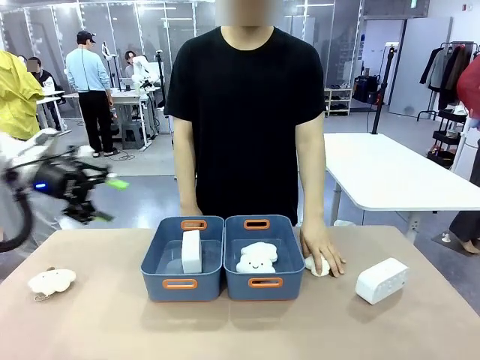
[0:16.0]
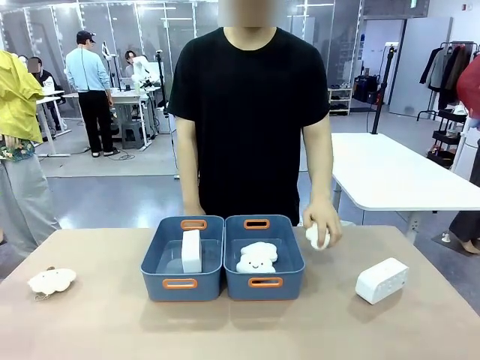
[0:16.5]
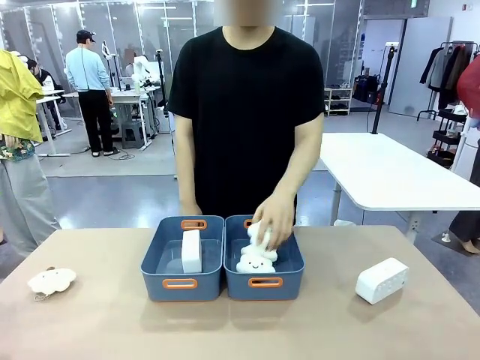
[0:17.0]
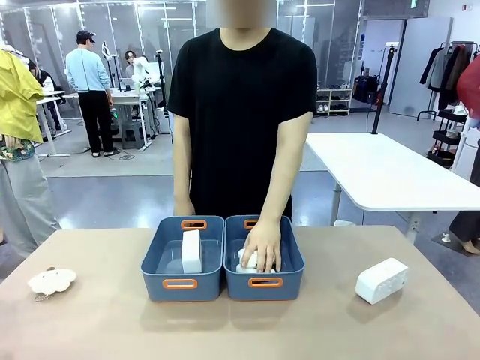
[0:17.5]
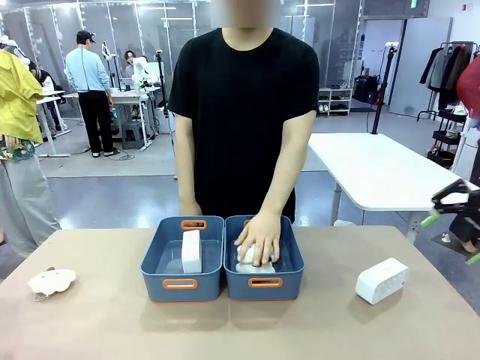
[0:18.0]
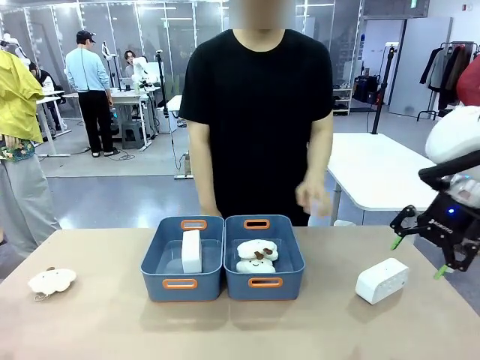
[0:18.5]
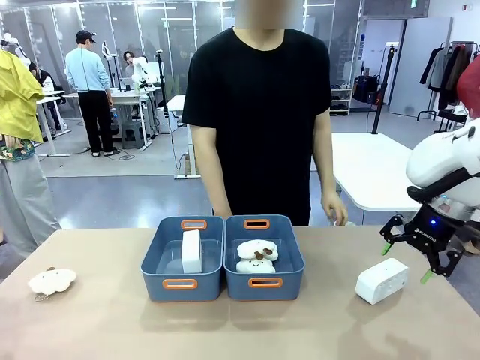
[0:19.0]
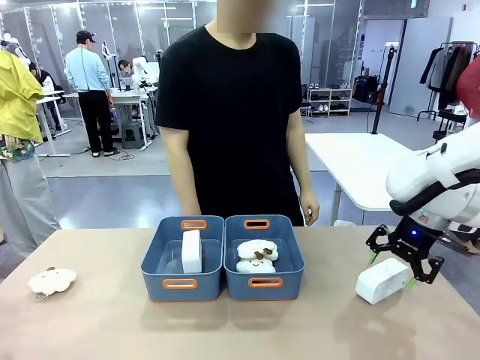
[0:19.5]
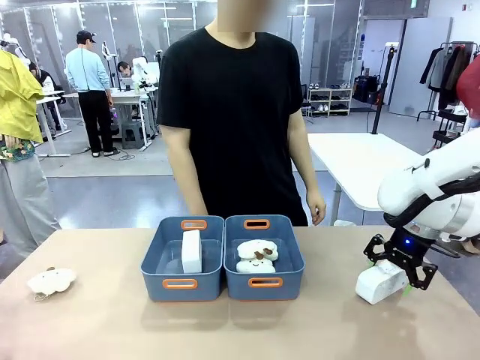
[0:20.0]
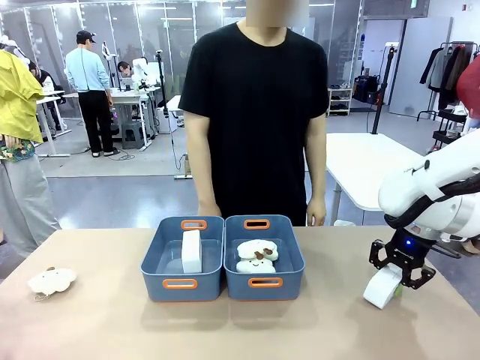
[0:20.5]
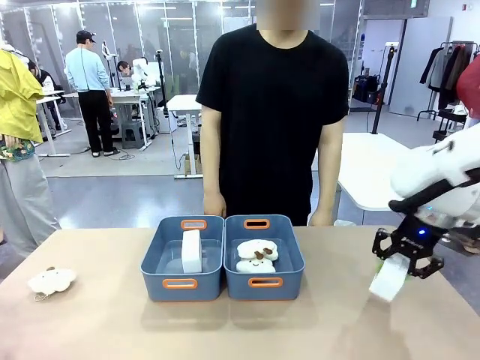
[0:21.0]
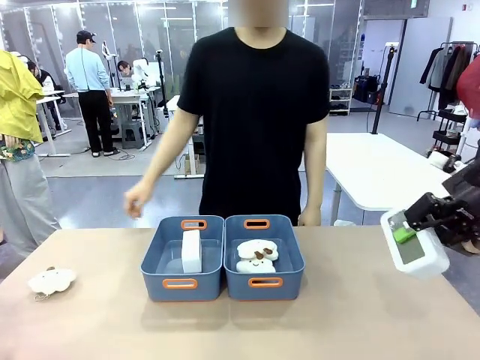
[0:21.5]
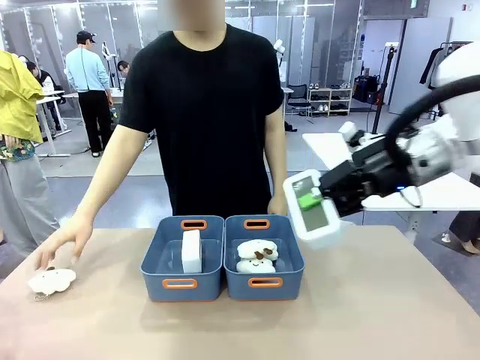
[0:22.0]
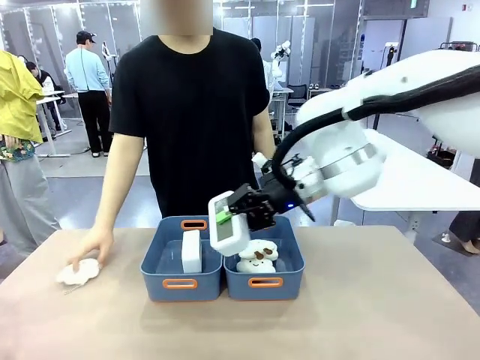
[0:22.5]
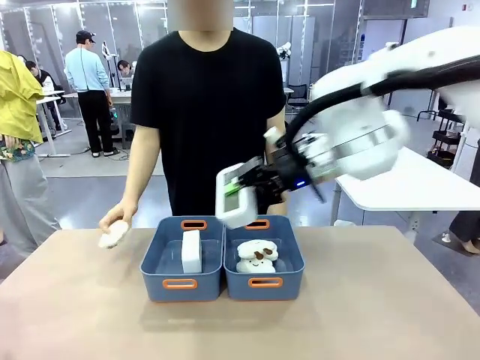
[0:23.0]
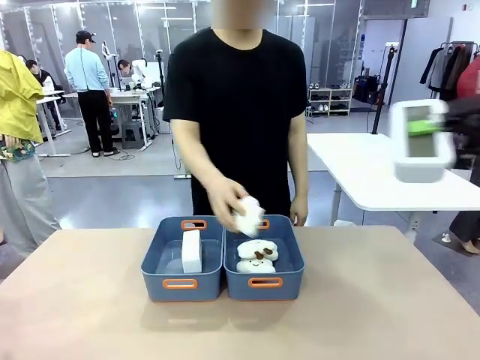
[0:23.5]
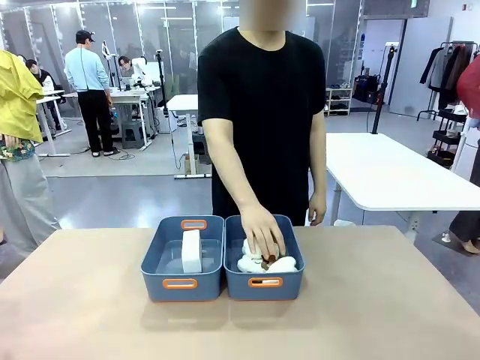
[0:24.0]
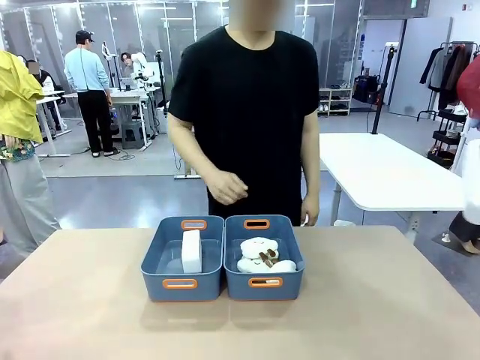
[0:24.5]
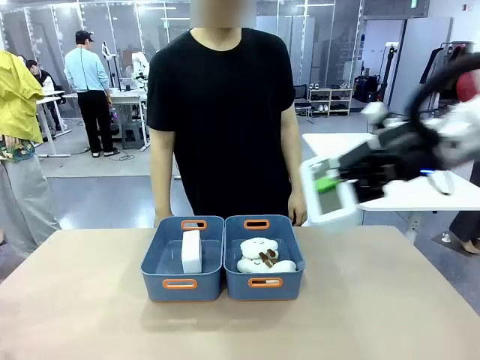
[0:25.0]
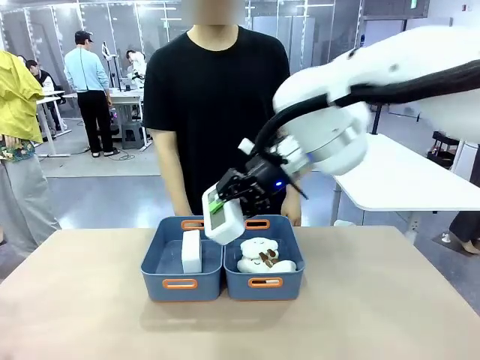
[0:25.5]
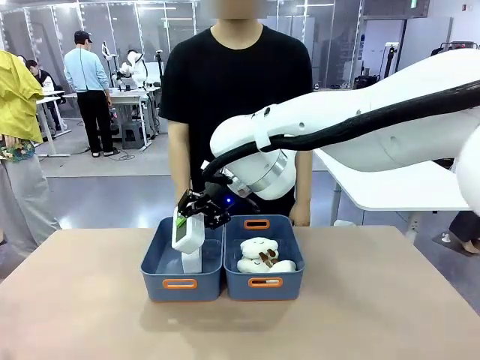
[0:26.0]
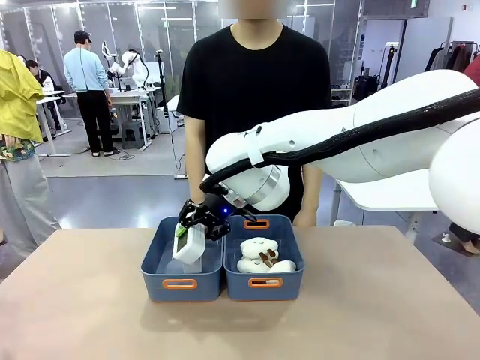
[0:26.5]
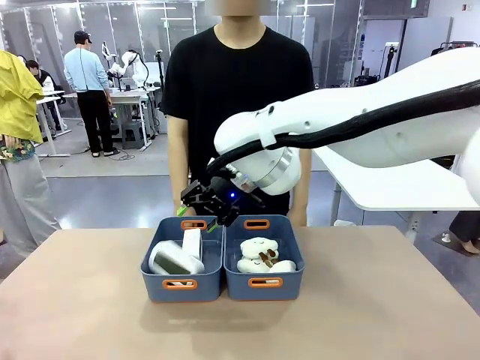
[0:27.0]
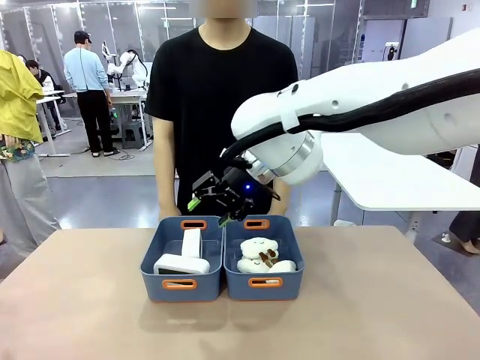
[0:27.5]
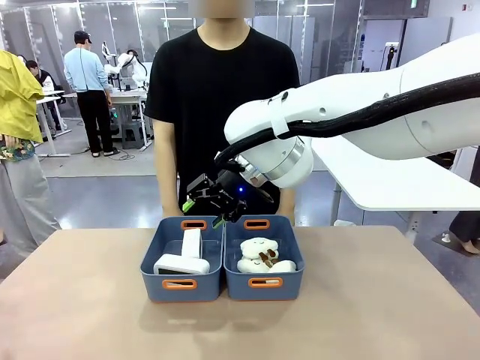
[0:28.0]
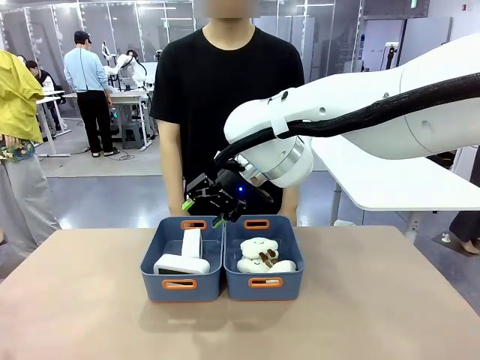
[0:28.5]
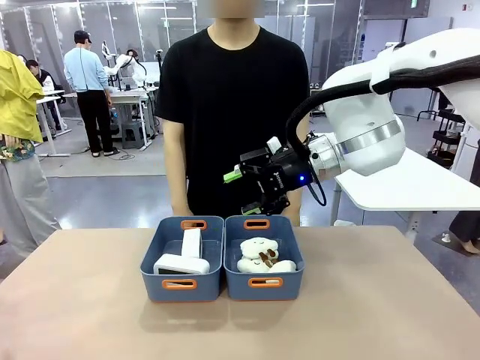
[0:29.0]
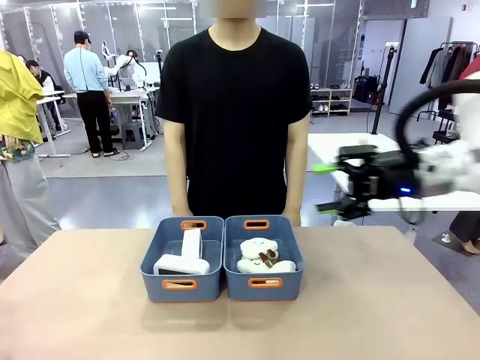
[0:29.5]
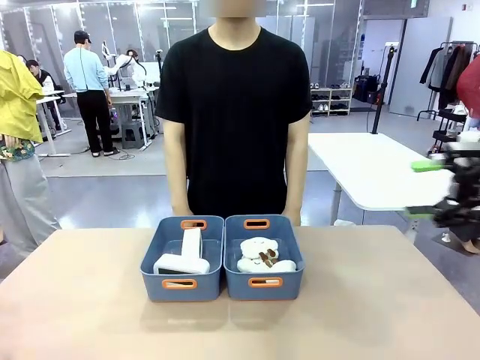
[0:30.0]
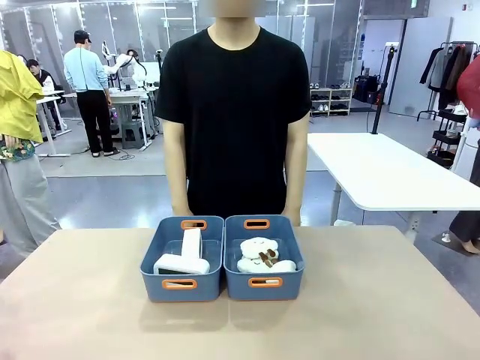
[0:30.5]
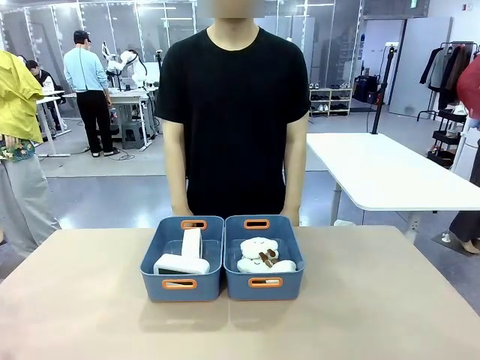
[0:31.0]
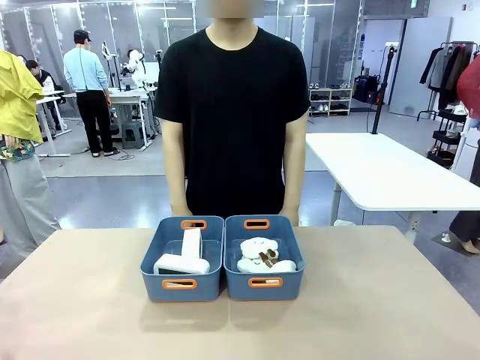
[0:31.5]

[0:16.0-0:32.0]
Task: Sort the digital clocks into the basket.
Robot: Pick up the Digital clock from the table and place it into the empty Plastic storage basket.
Person: Pick up a plush toy from the table and place it in the plastic storage basket containing the plush toy.

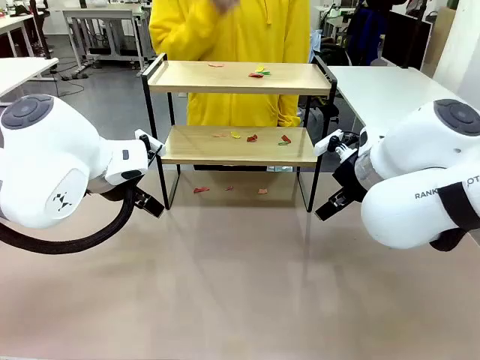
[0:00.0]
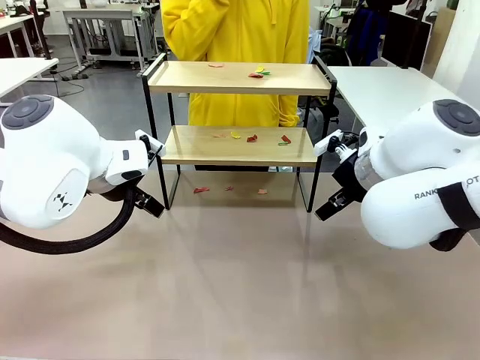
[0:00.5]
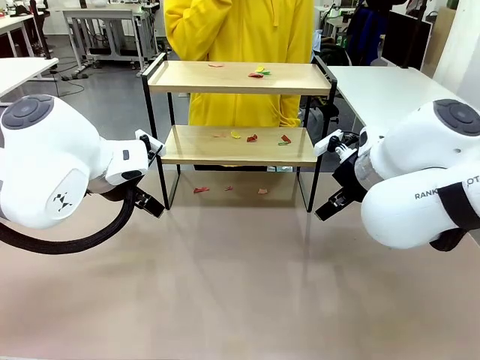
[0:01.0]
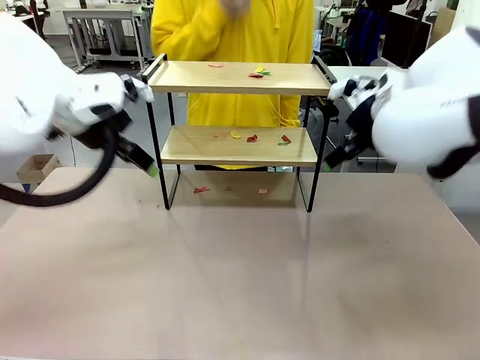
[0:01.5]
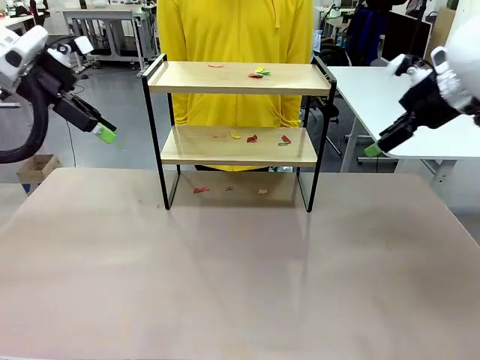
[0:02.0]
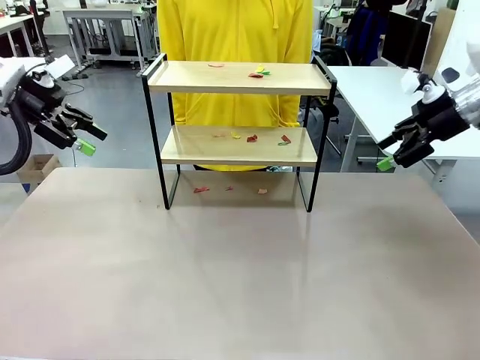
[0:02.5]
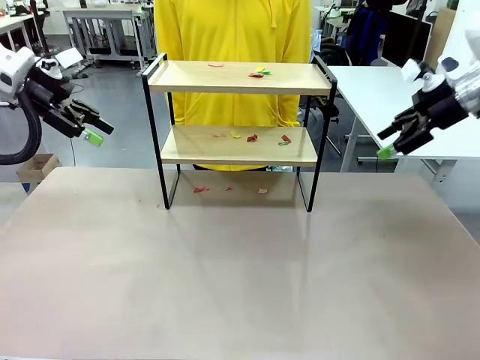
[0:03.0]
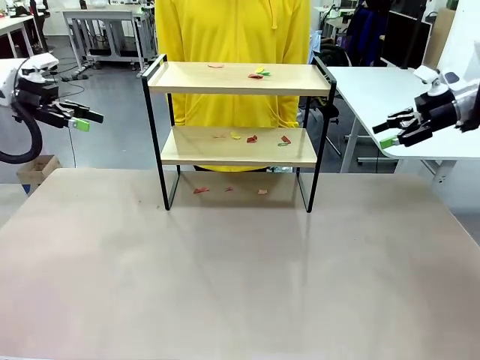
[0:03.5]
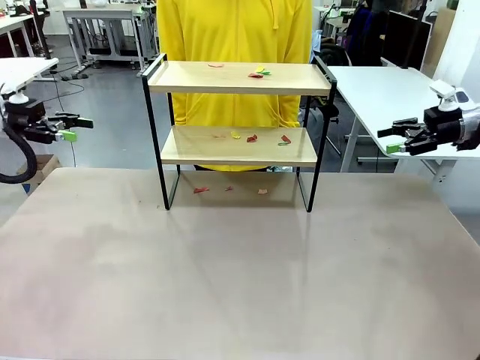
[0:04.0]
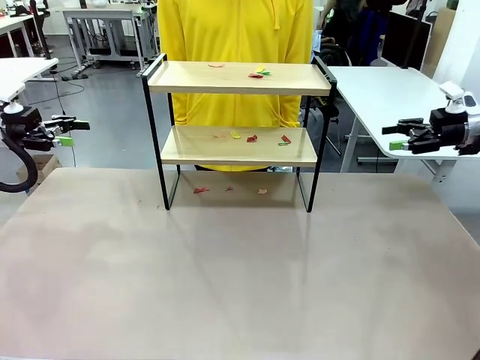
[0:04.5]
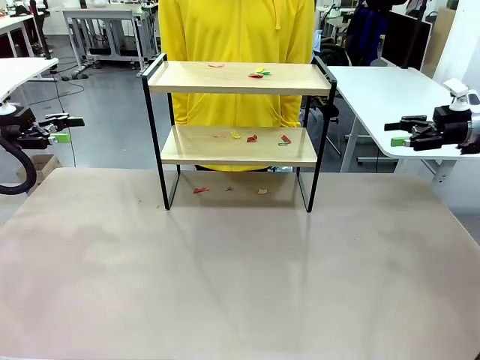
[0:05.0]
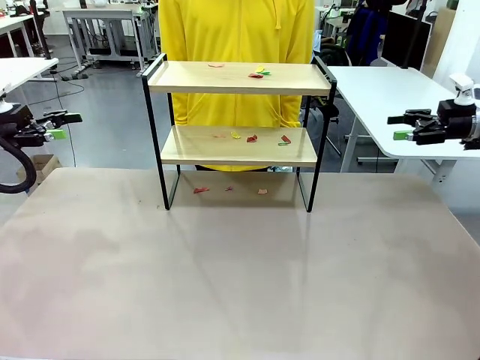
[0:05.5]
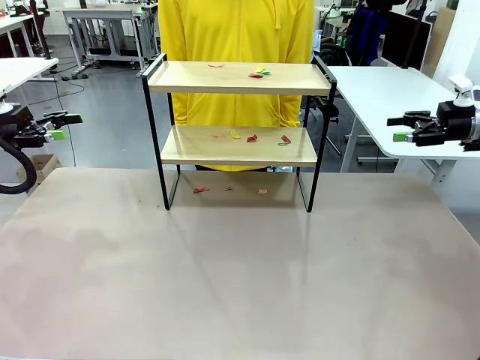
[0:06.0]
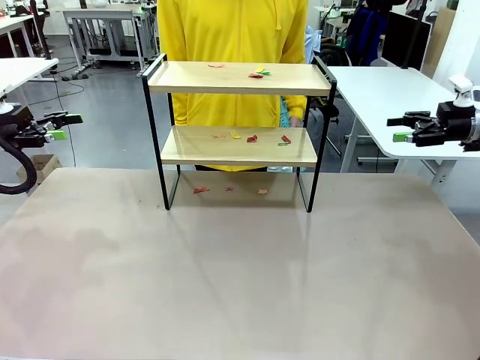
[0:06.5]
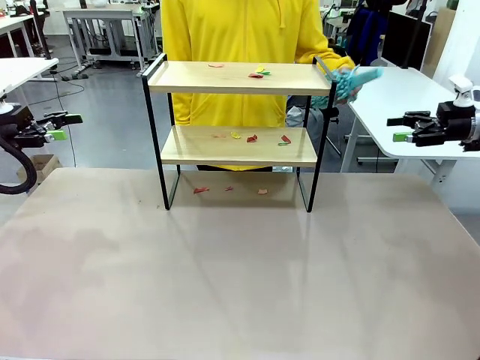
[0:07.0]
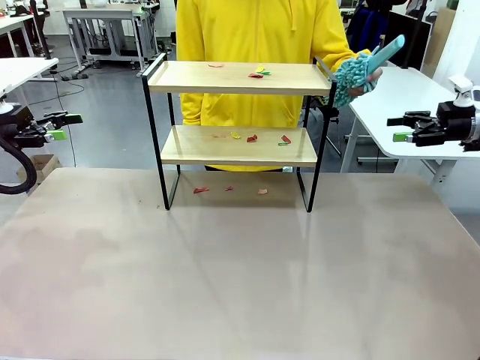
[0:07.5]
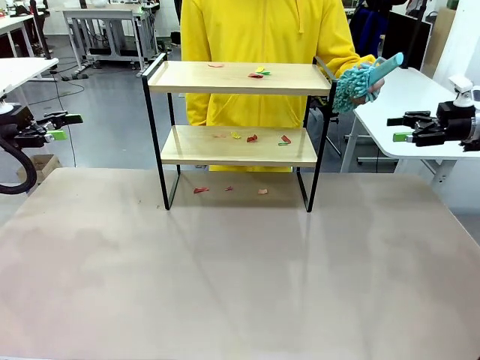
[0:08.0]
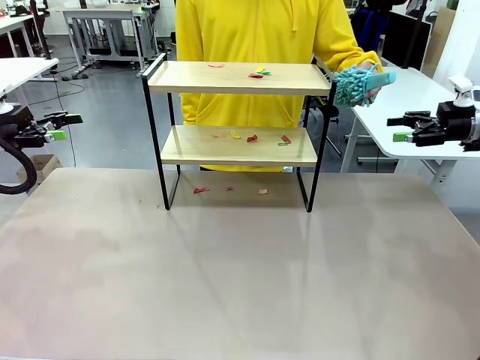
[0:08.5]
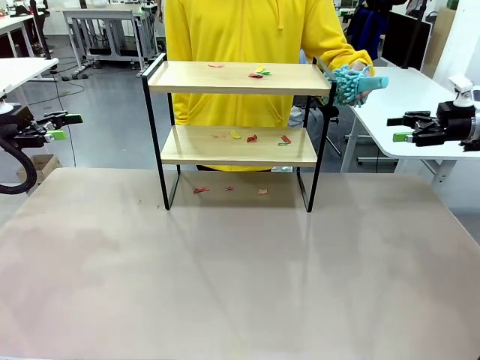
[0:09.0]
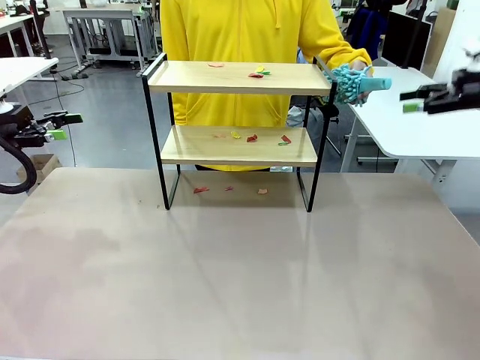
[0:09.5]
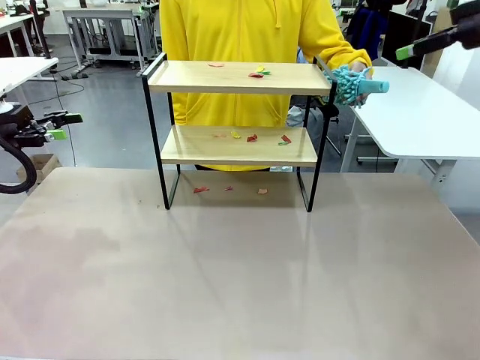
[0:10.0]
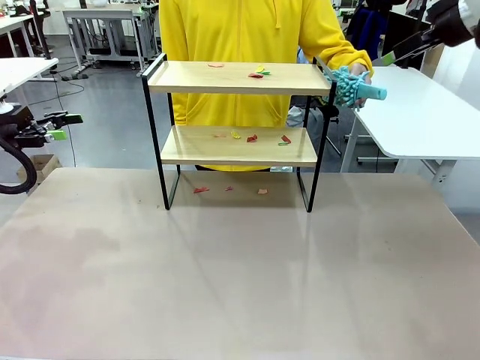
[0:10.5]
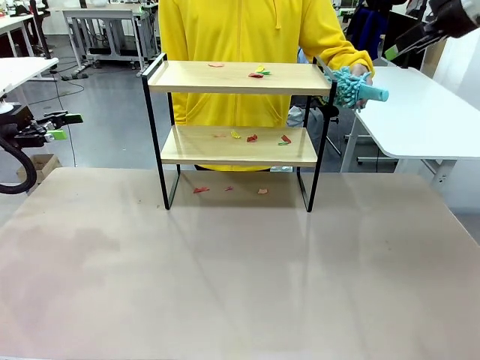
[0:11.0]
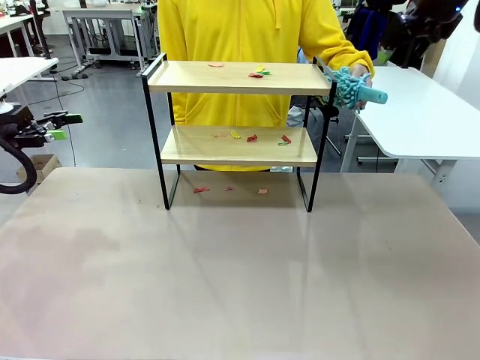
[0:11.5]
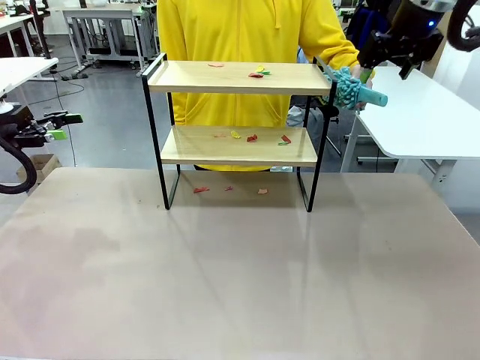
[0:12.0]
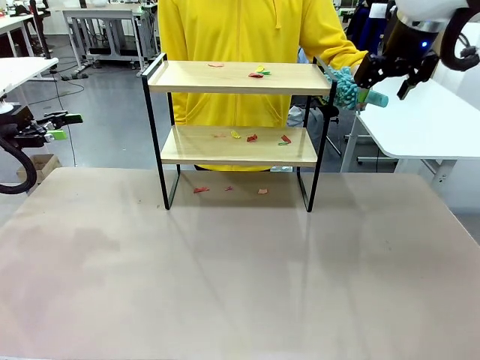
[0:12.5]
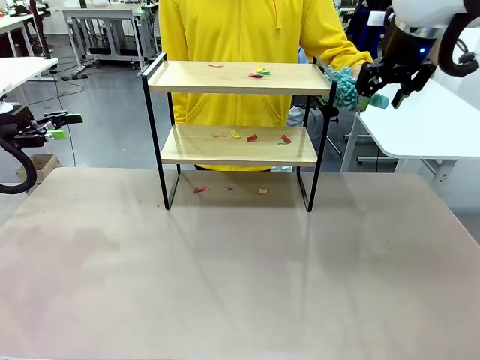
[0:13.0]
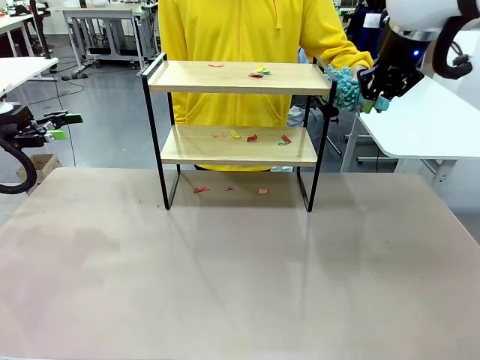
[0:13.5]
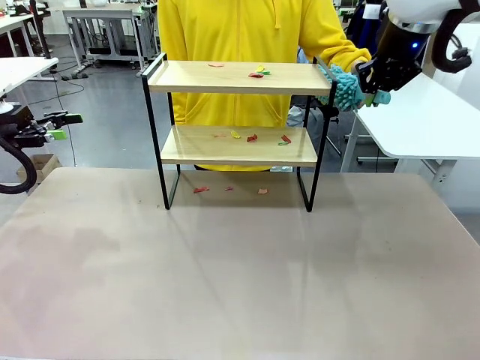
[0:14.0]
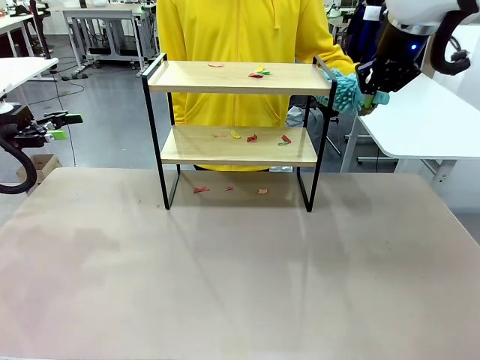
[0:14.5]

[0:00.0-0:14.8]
Task: Clean the shelf.
Robot: Pick up the Duster handed by the human.
Person: Hand the Duster to the robot.
